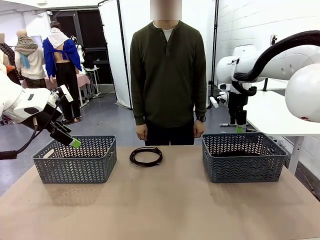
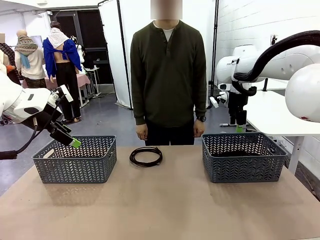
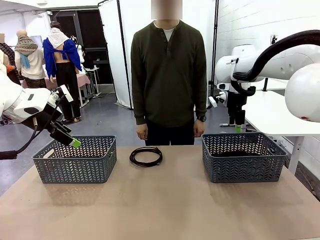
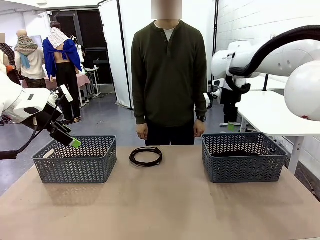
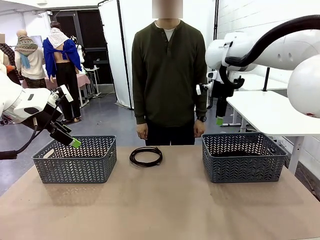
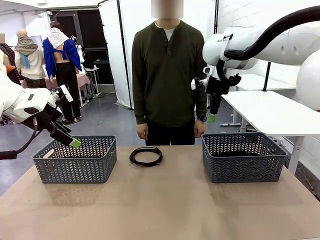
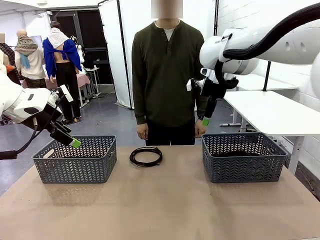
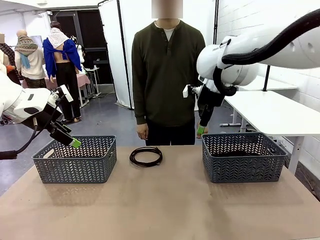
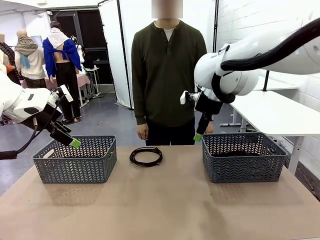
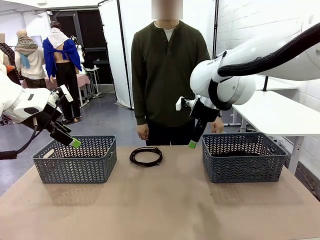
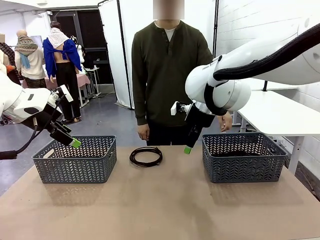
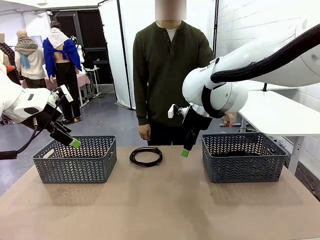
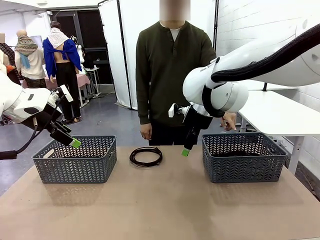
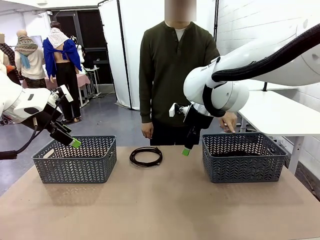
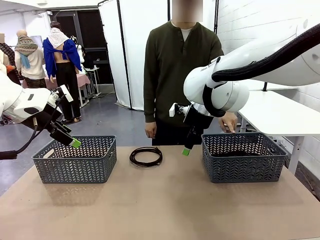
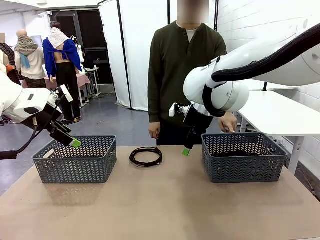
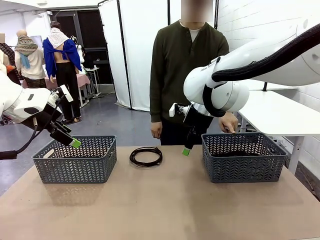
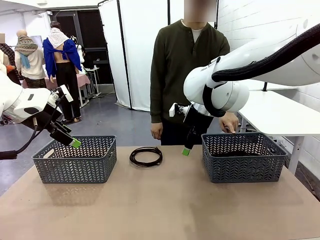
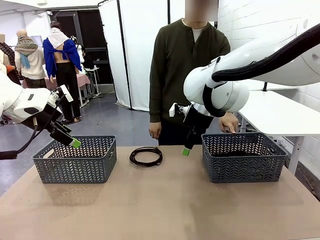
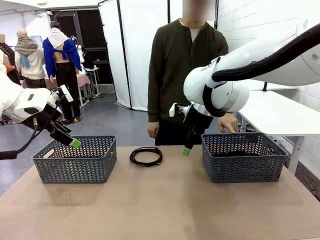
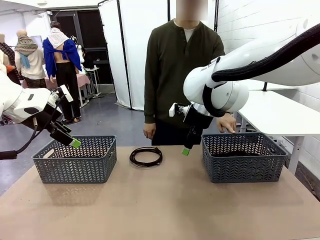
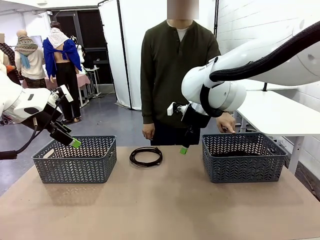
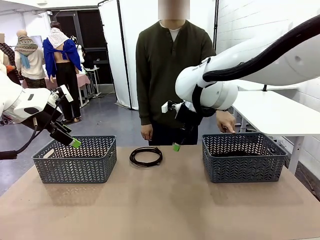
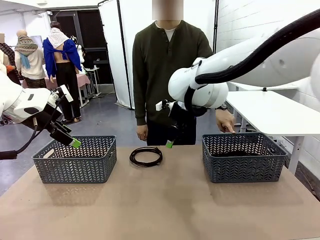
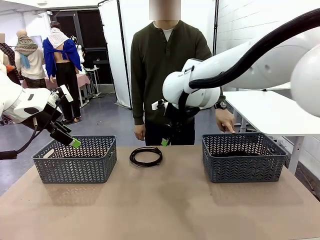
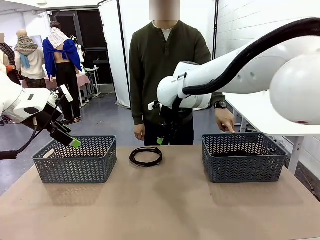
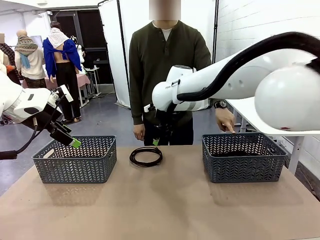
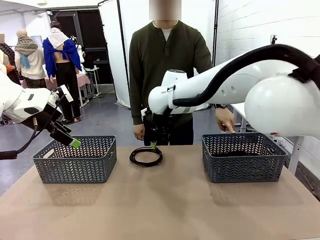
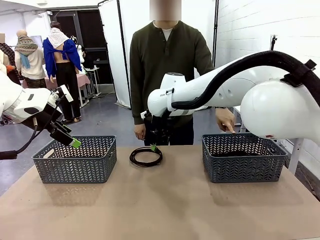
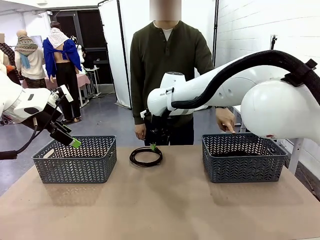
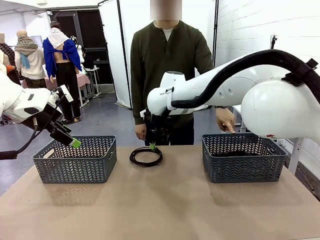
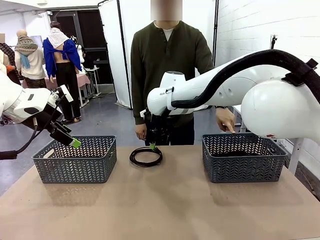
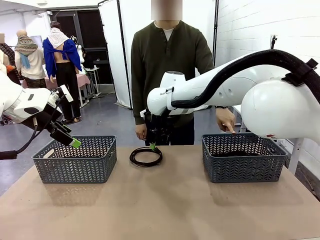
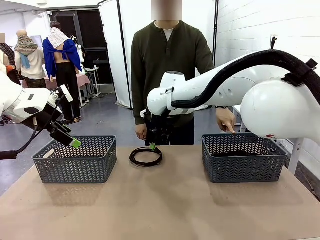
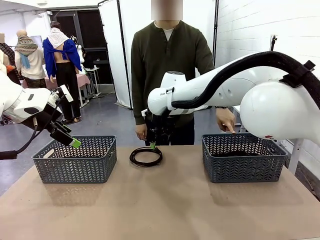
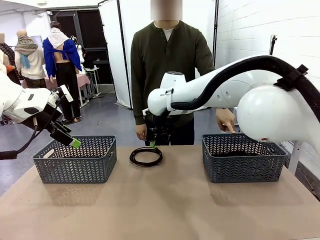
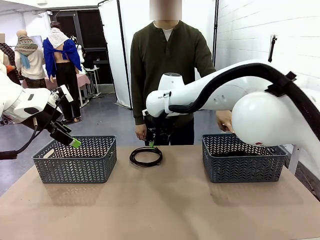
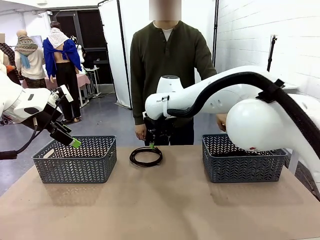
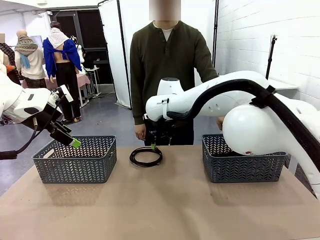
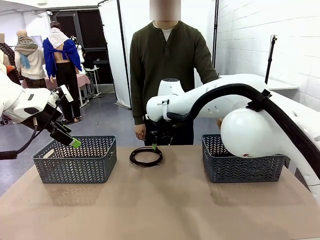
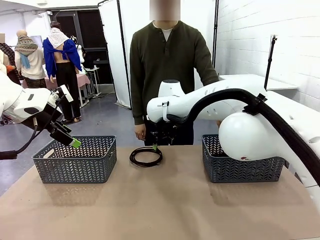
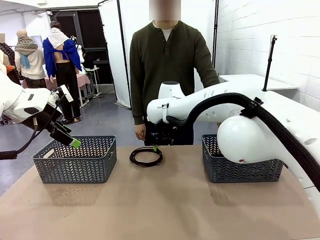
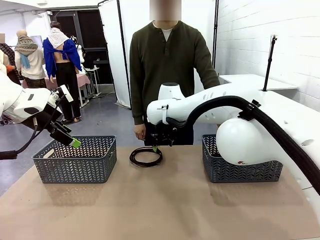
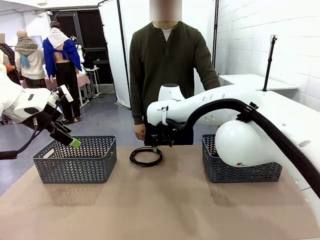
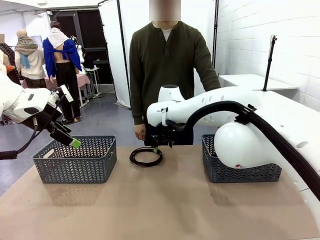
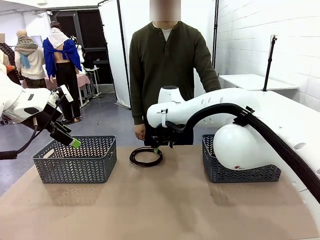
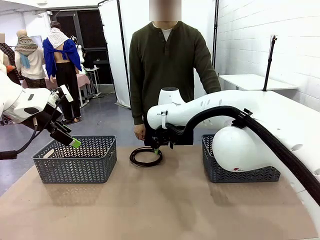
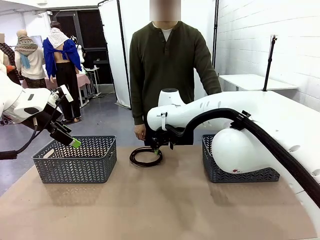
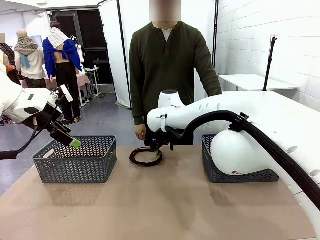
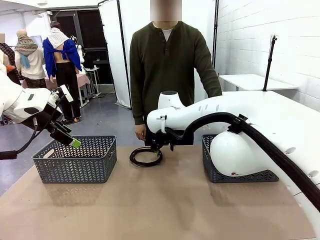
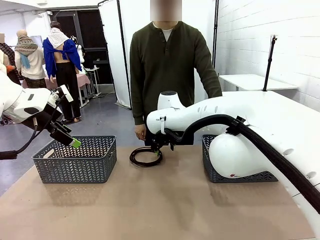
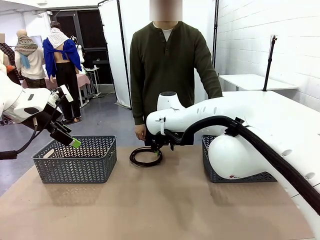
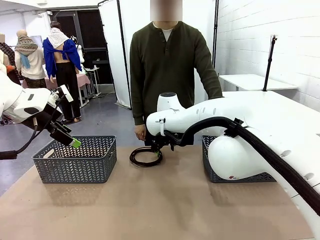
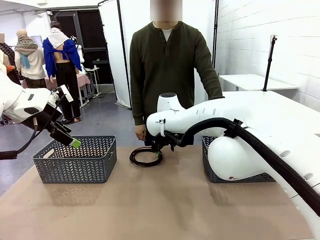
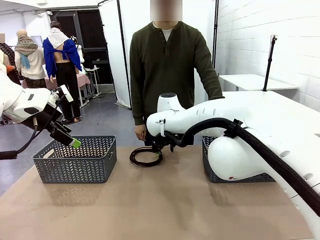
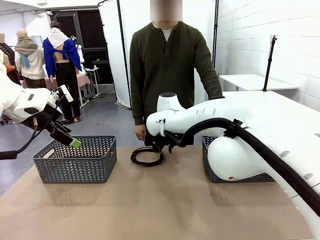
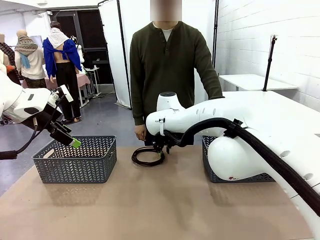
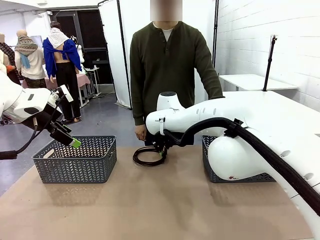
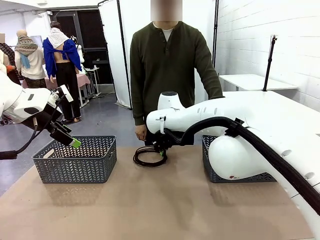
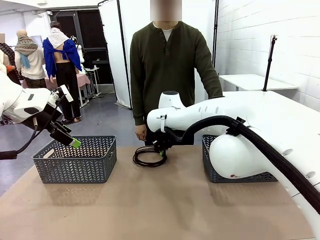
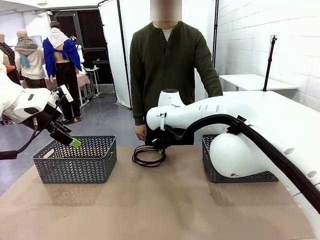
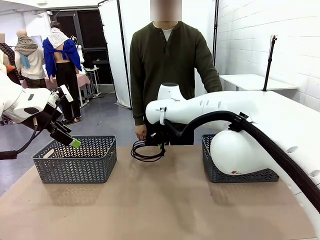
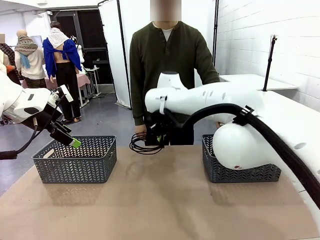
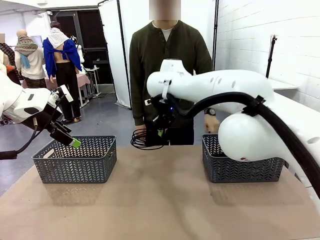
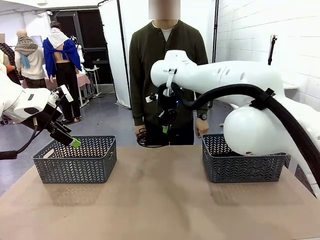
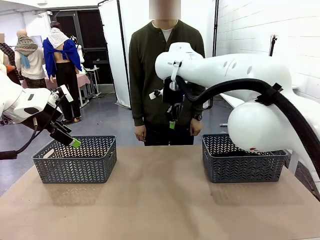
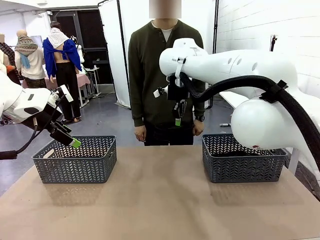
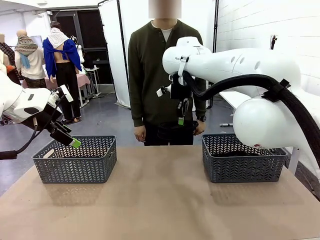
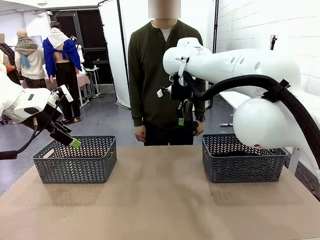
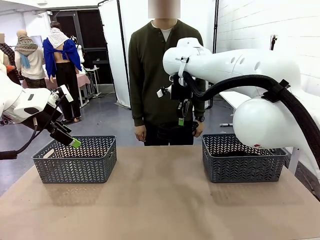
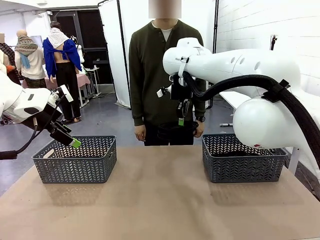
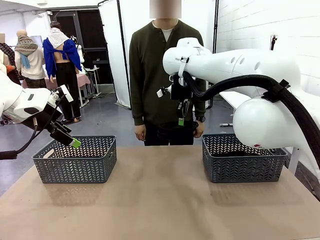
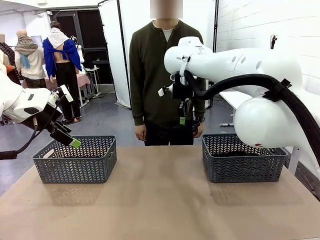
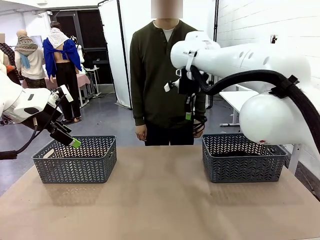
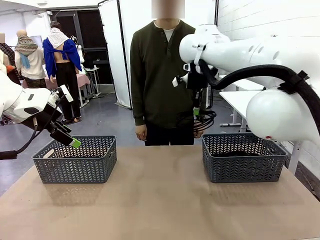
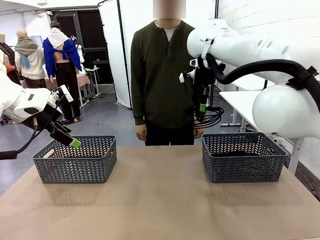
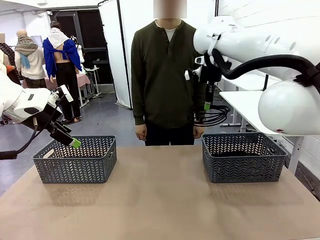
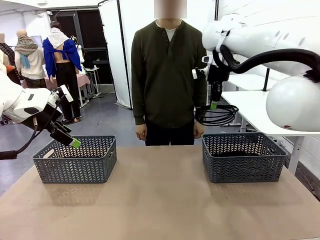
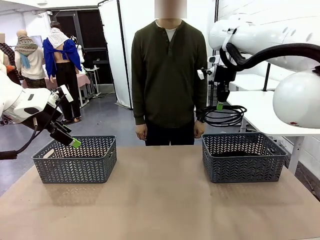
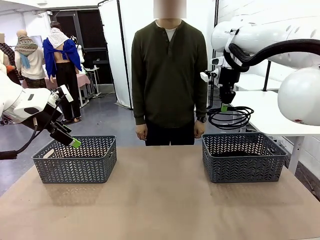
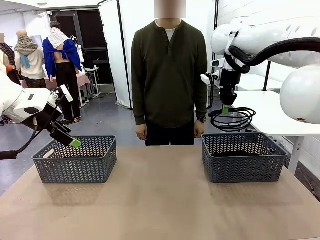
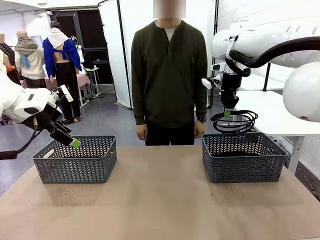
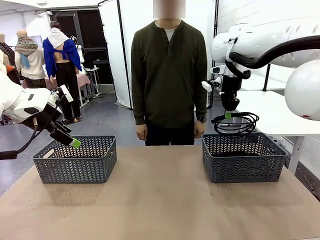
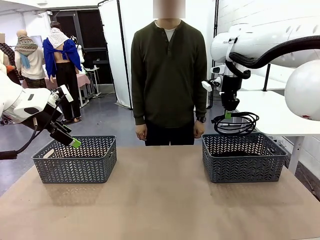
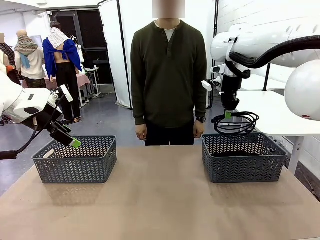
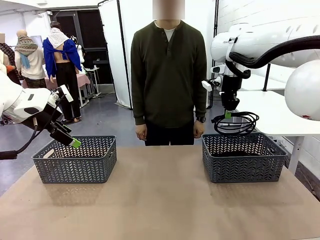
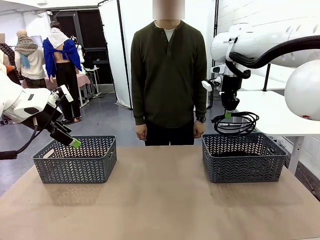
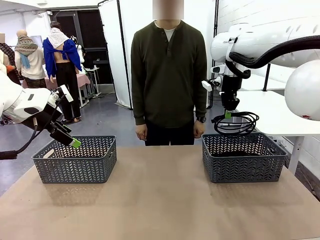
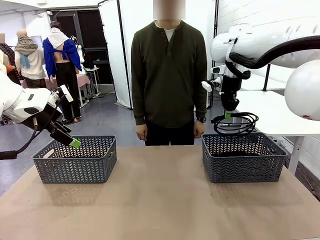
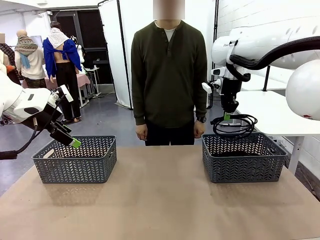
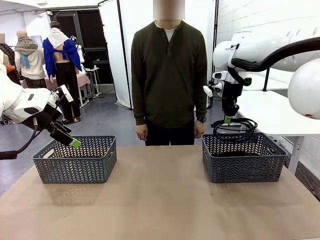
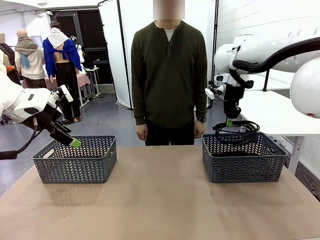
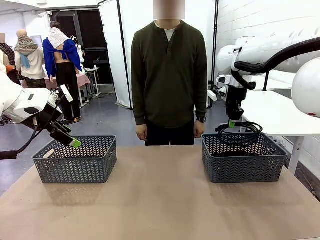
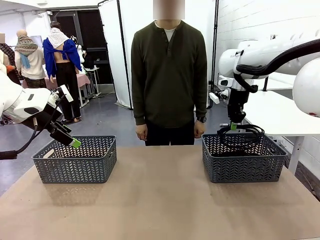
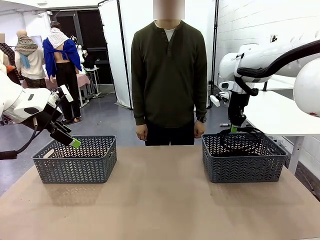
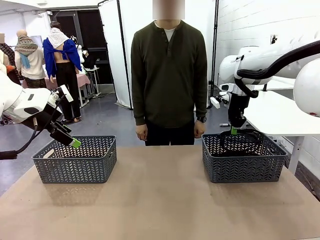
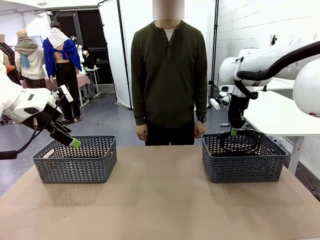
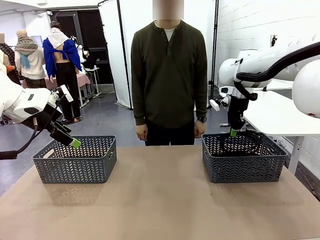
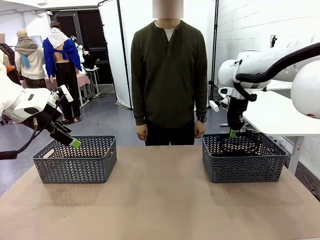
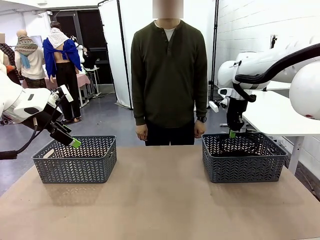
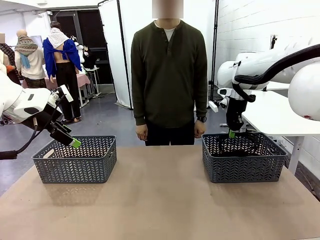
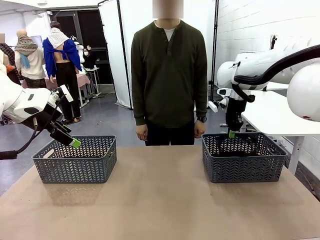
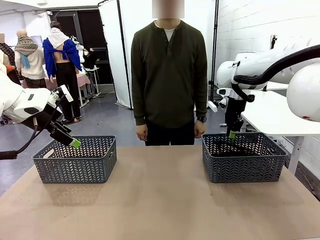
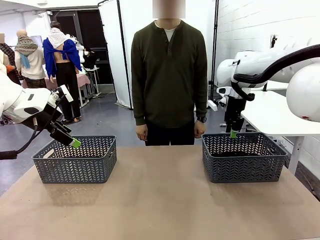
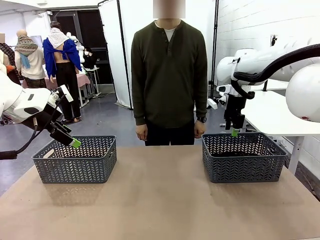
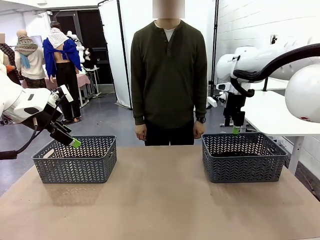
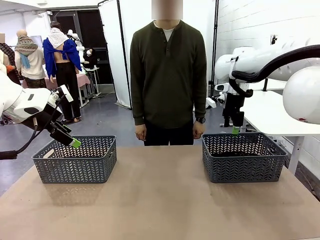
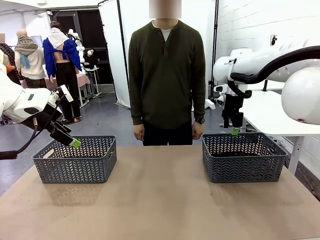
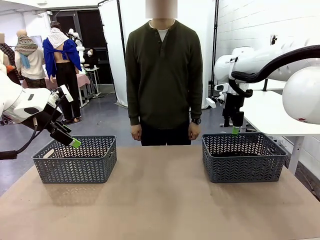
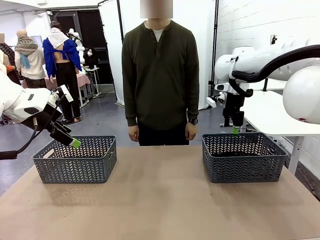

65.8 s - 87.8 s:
Task: Organize the cables according to human instructions.
Robot: Pick up a bundle of cables and place it in the basket indicated by the human.
